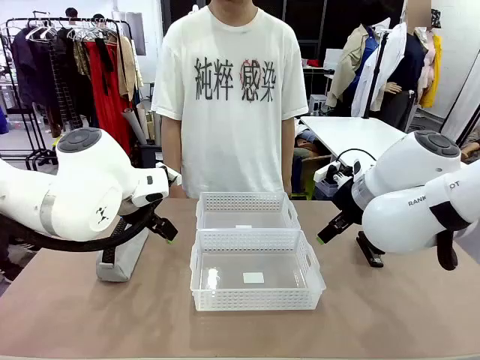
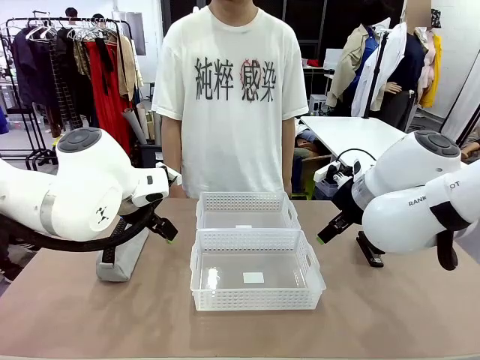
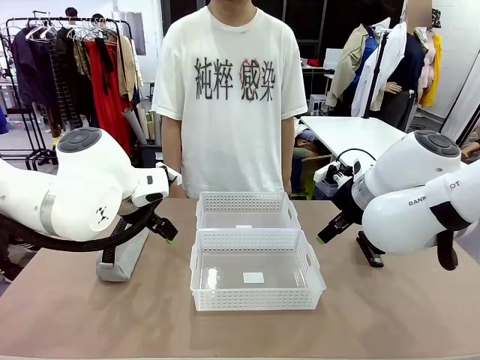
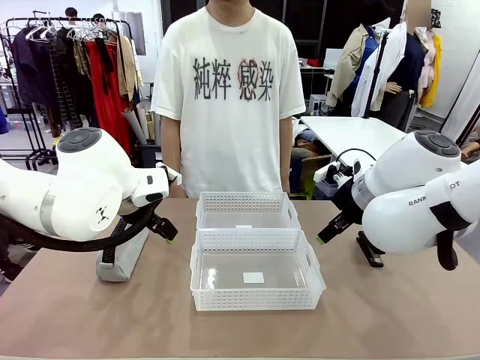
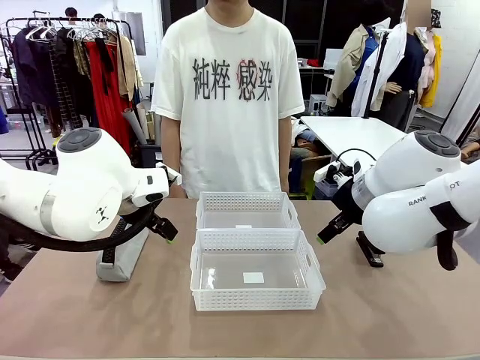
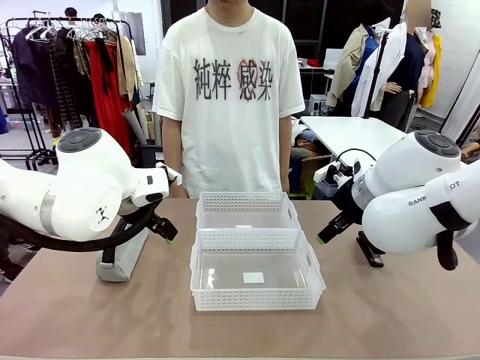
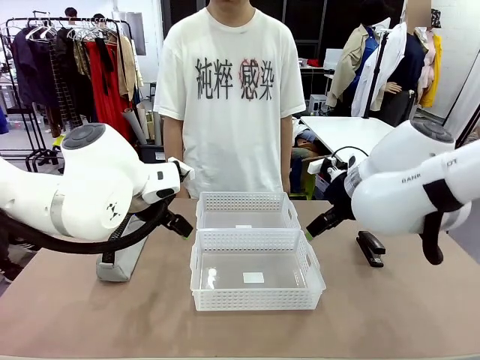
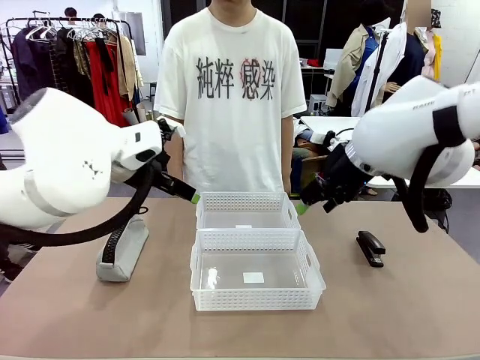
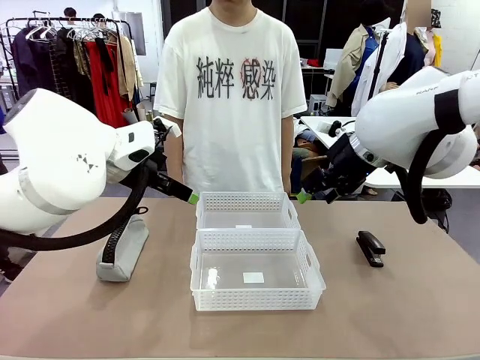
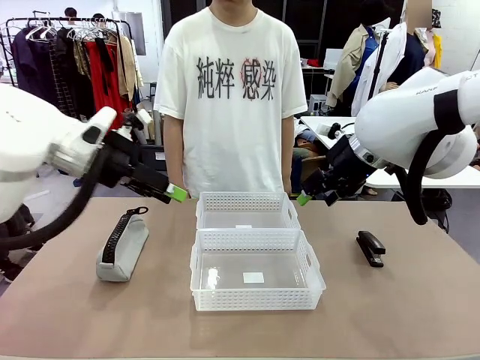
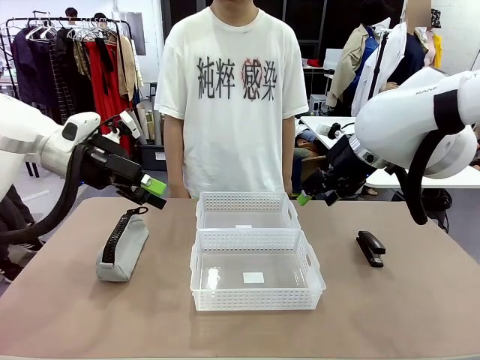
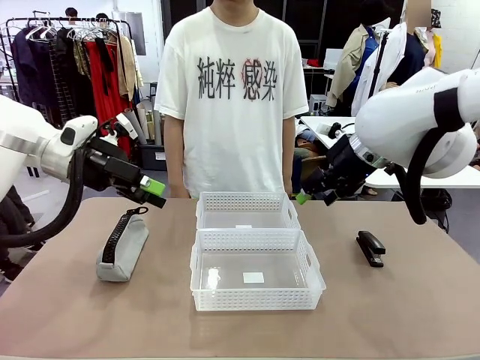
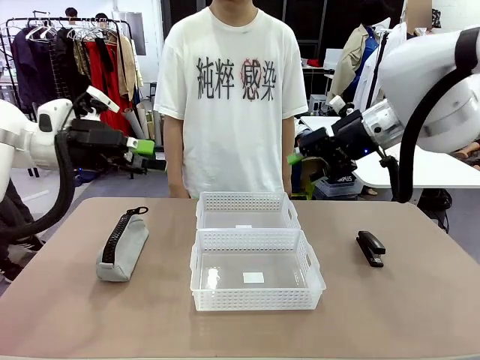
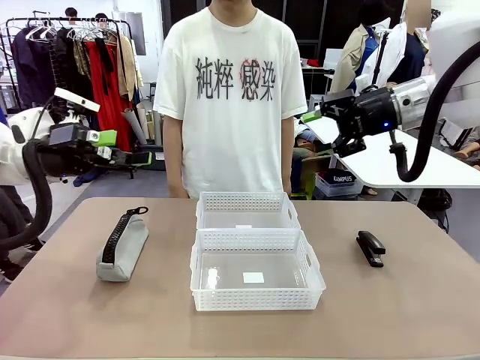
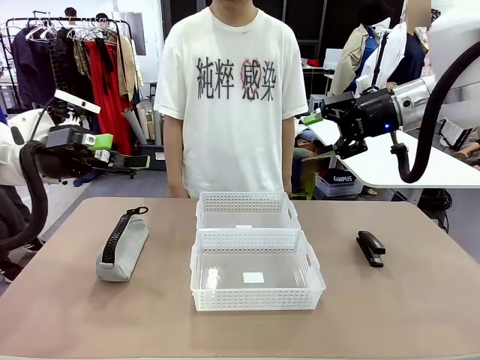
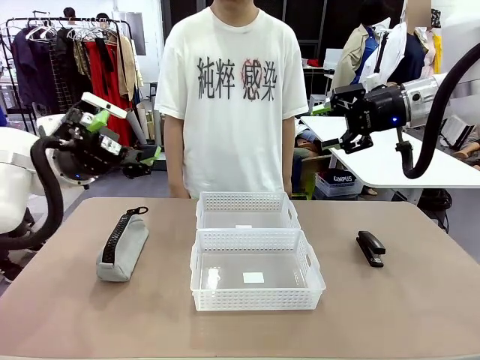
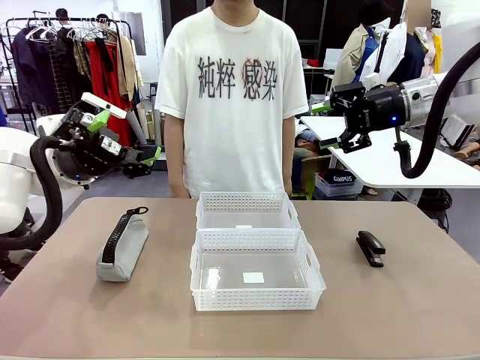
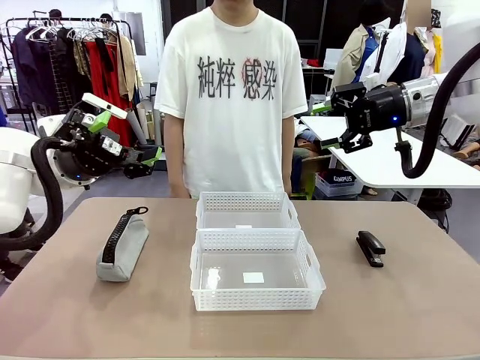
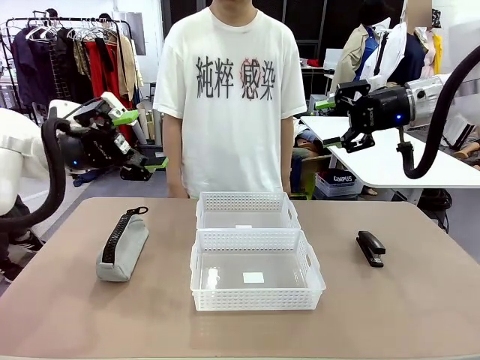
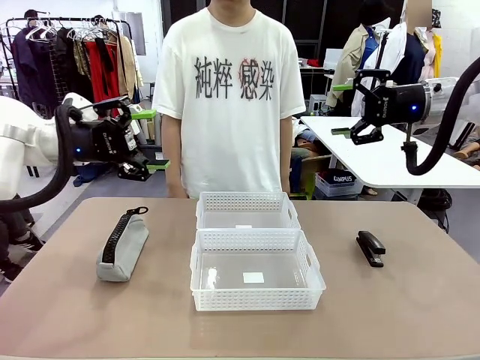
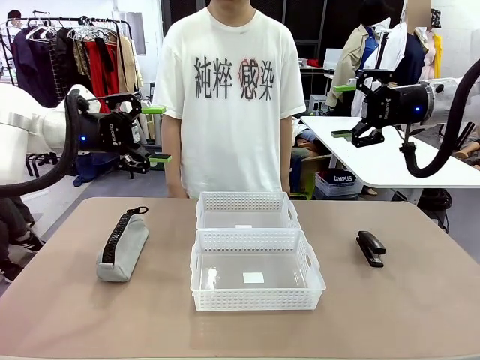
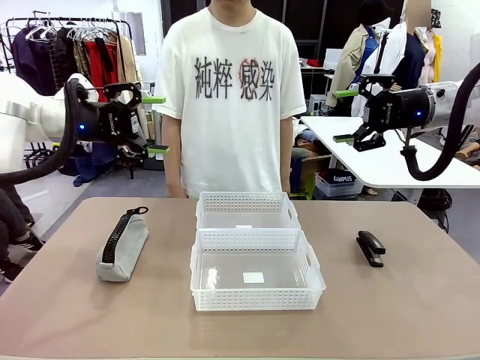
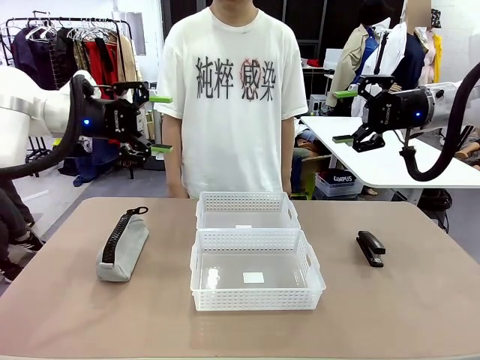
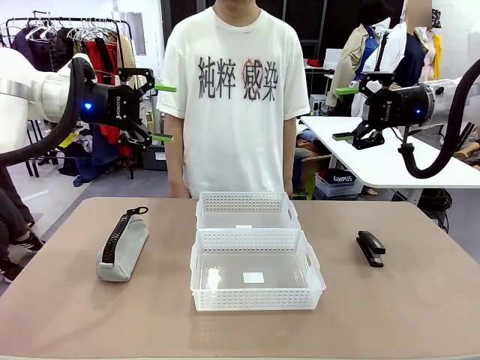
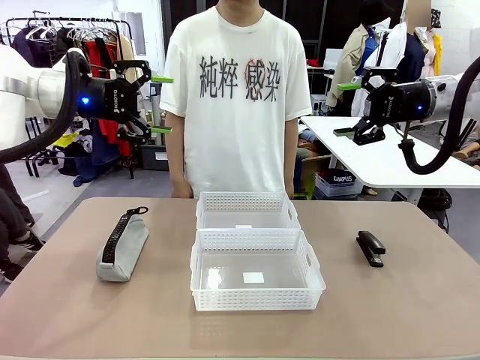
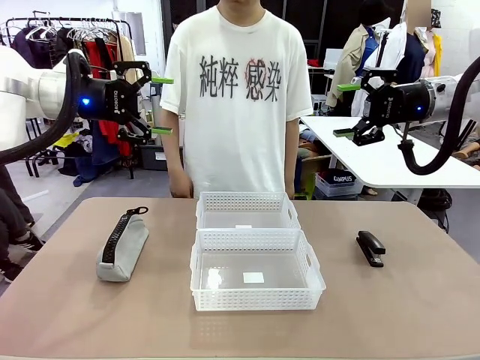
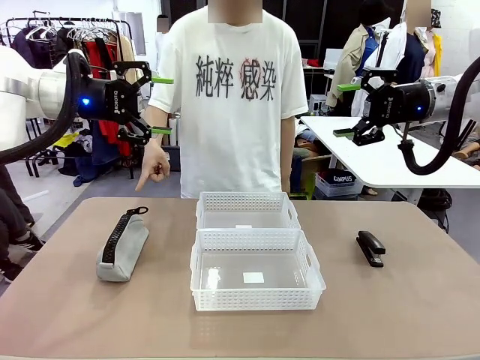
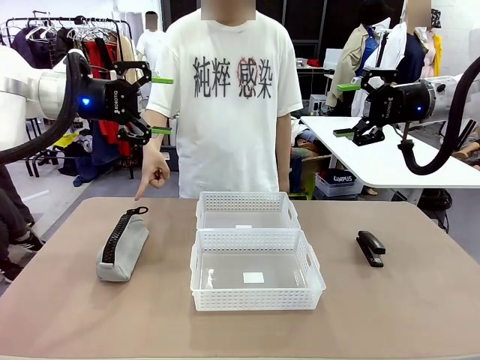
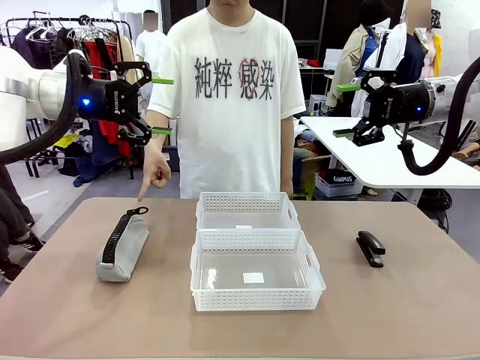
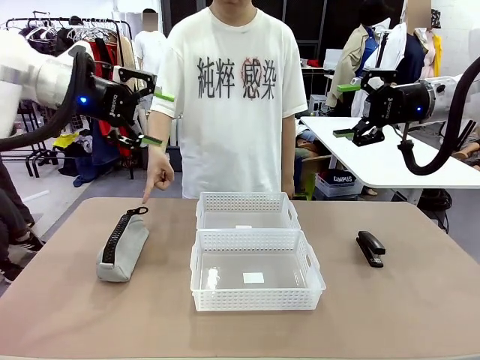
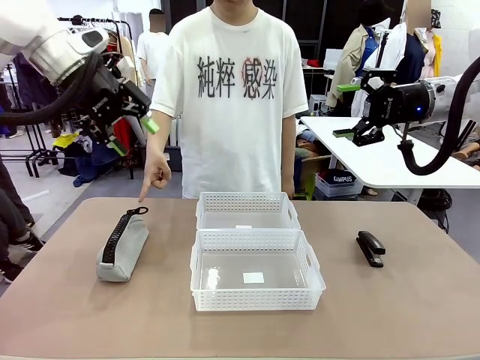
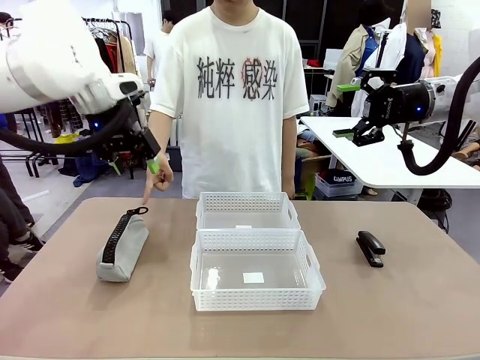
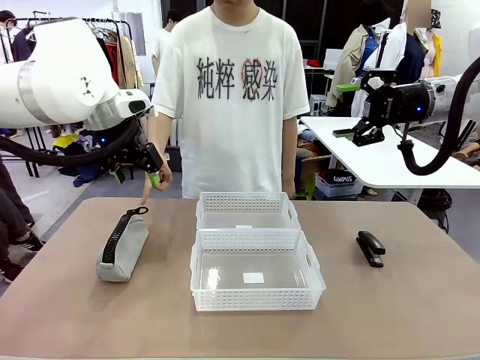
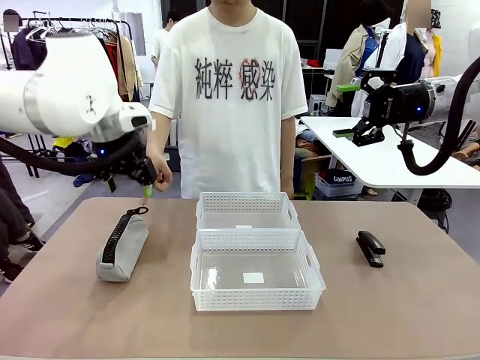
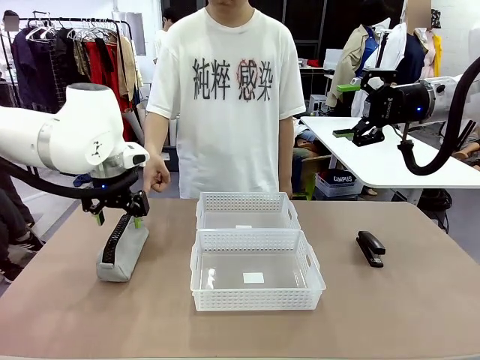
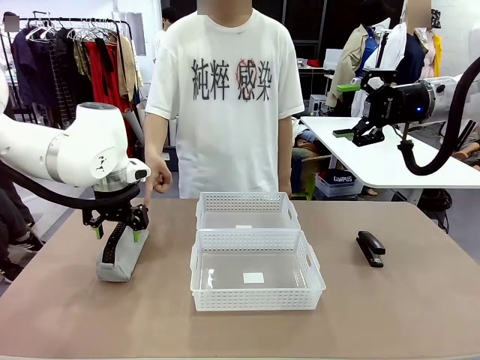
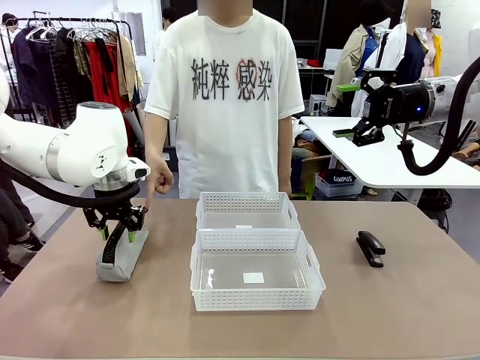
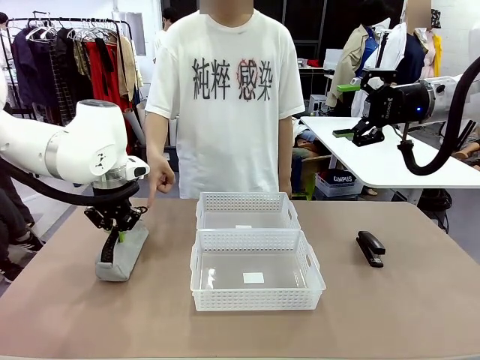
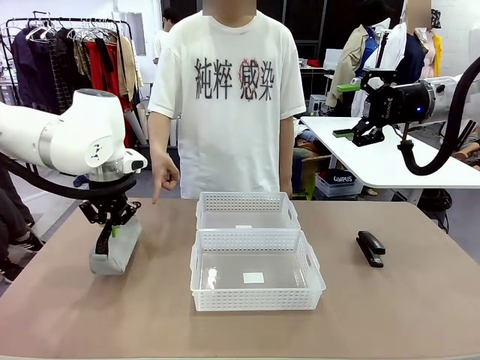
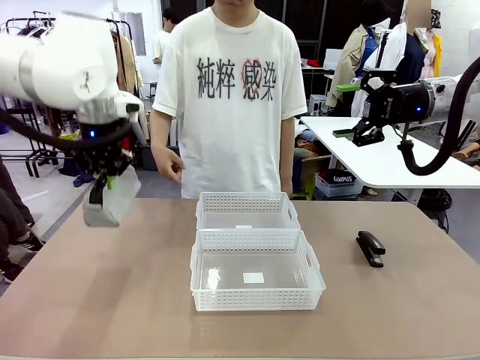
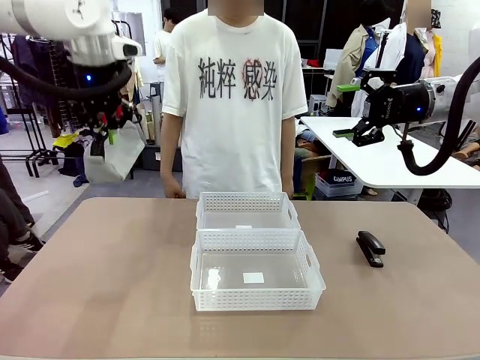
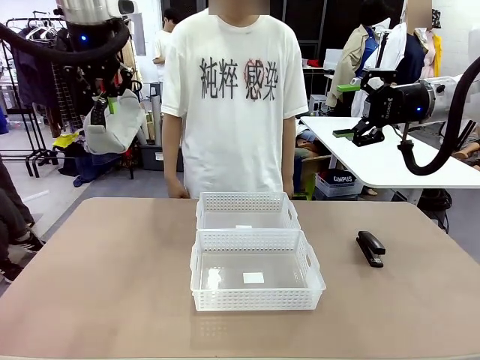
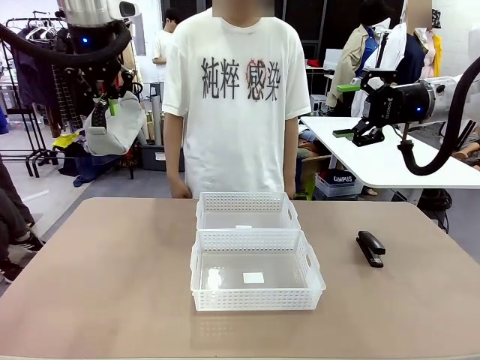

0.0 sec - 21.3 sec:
Task: Distribute items into two baskets.
Robot: Pick up the Pencil pouch that the person points to.
Person: Points to the pencil case. Points between the two organizing baskets and instructs the robot to move the pencil case.

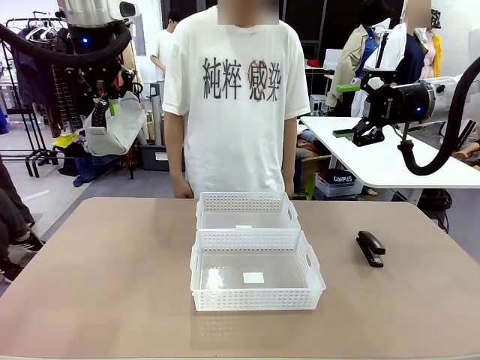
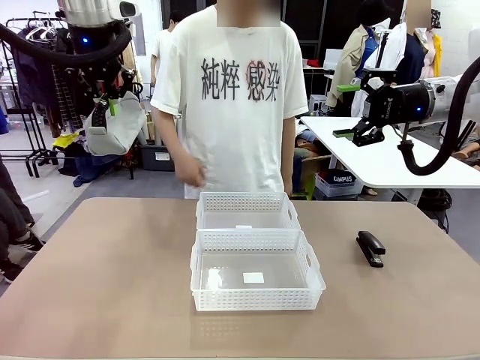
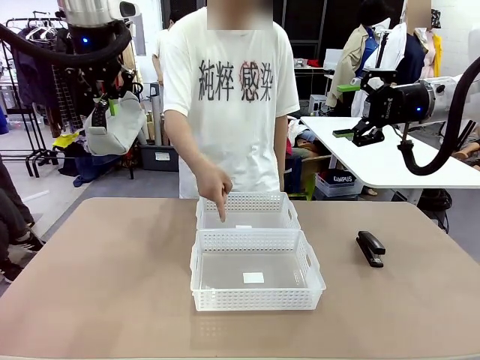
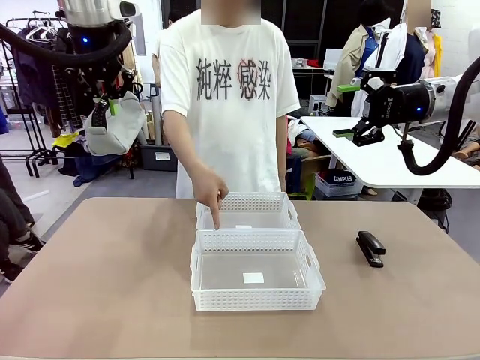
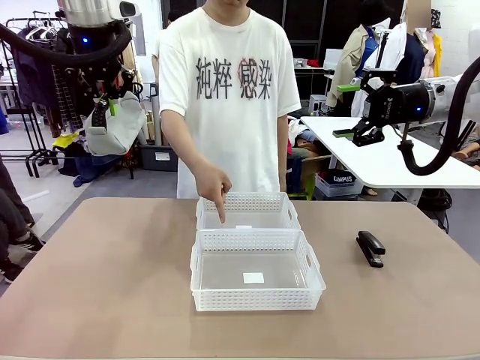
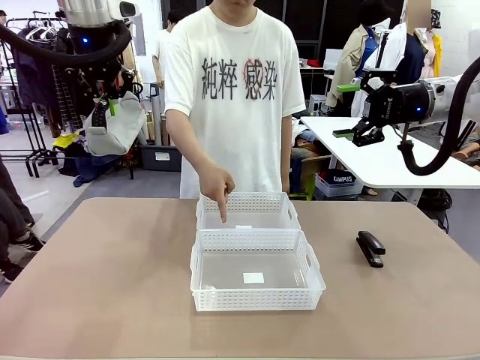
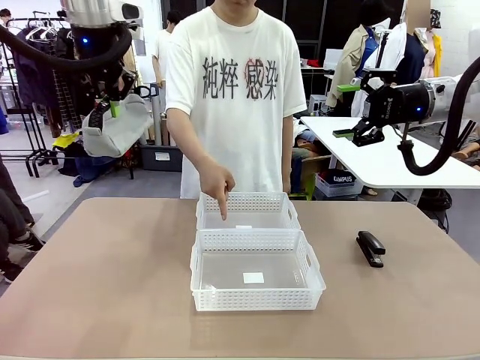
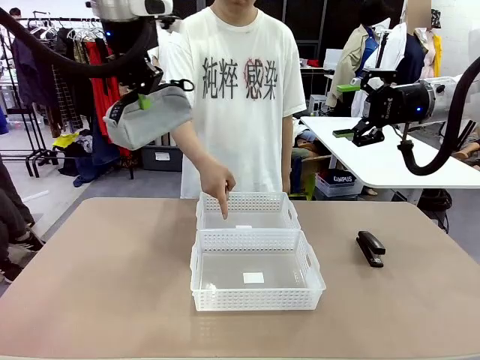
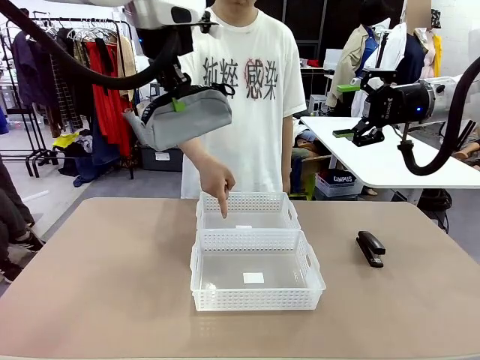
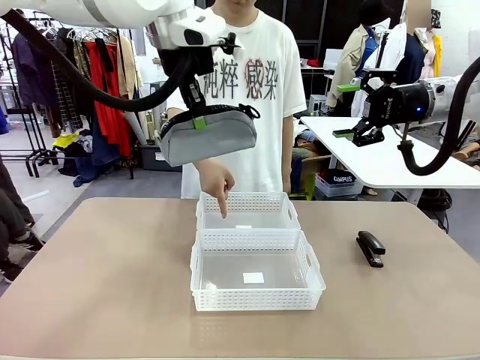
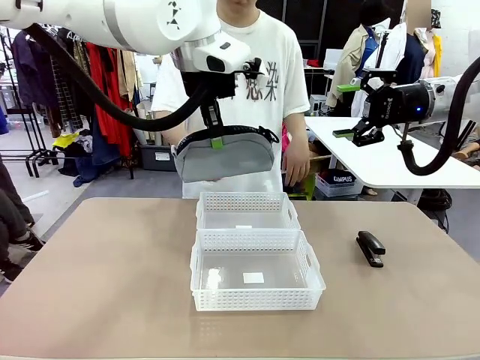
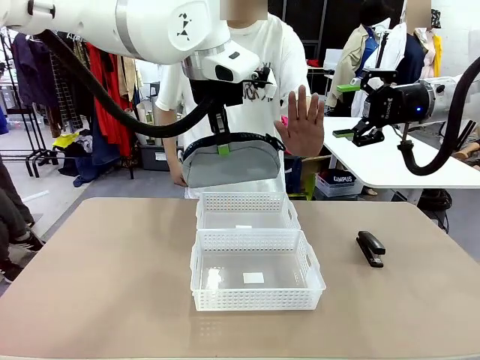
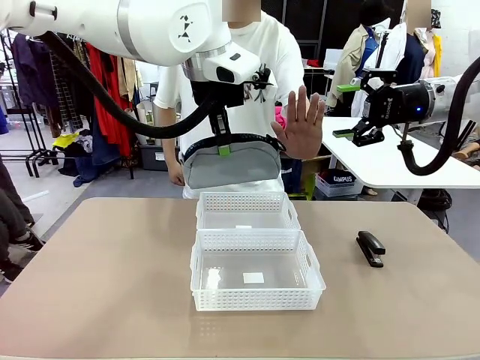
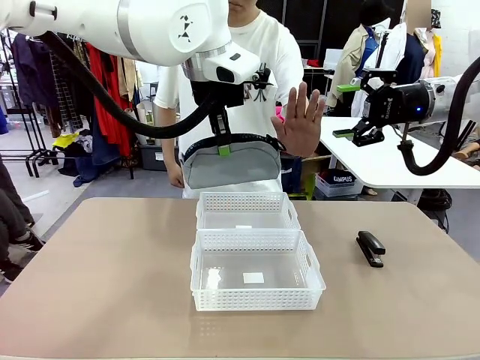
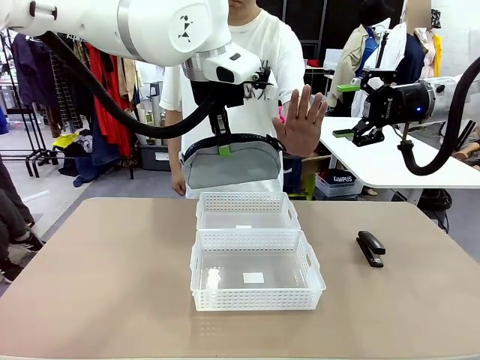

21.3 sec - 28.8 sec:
Robot: Move the picked Pencil pouch towards the Organizing basket indicated by the person, stopping as directed.
Person: Sends a stop gesture before the robot places the pencil case into the basket.
